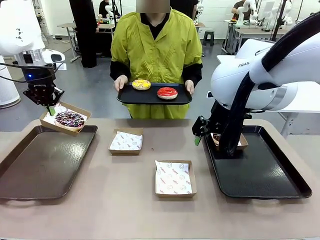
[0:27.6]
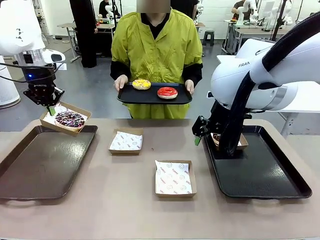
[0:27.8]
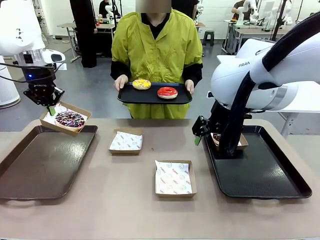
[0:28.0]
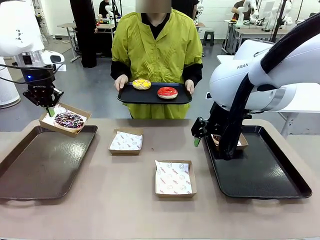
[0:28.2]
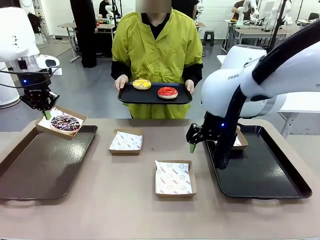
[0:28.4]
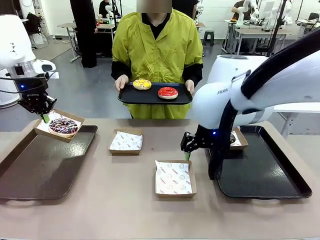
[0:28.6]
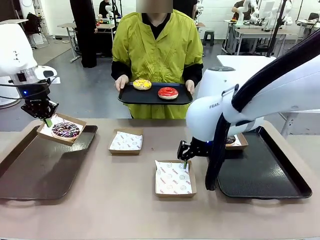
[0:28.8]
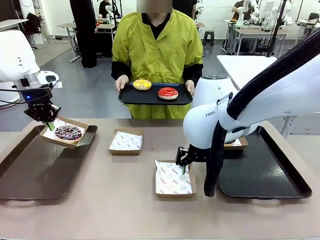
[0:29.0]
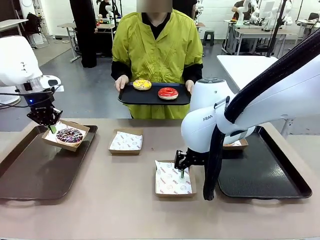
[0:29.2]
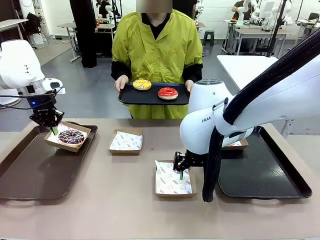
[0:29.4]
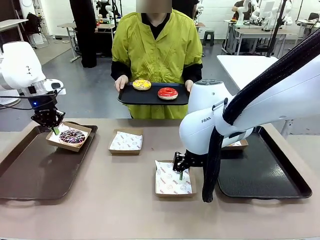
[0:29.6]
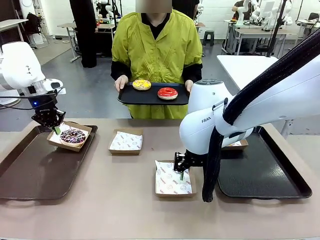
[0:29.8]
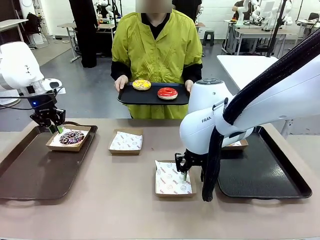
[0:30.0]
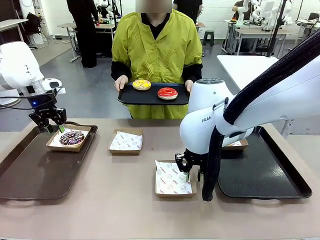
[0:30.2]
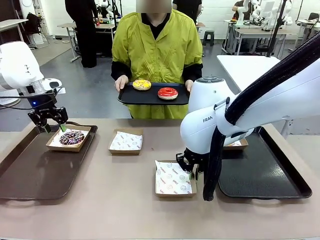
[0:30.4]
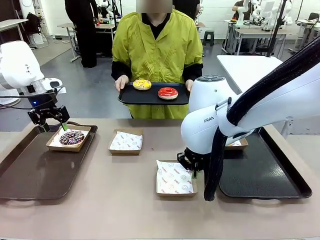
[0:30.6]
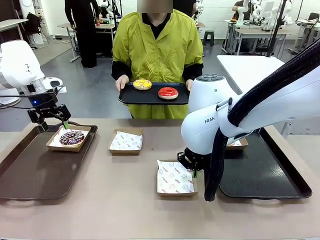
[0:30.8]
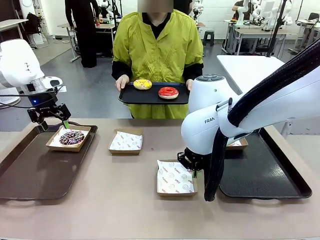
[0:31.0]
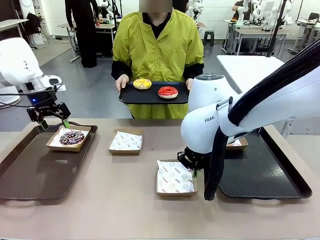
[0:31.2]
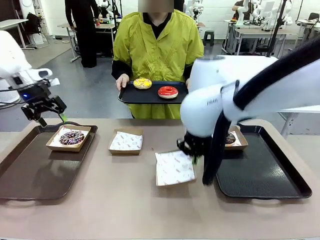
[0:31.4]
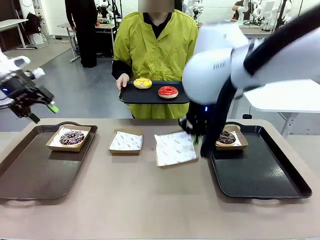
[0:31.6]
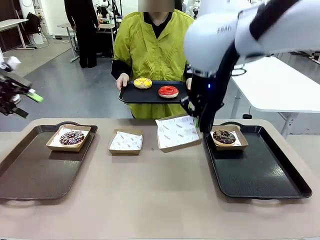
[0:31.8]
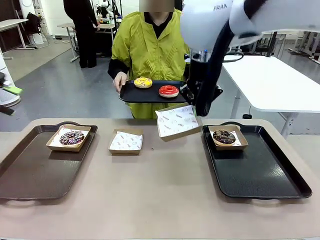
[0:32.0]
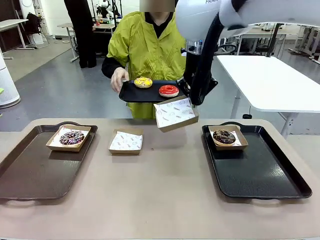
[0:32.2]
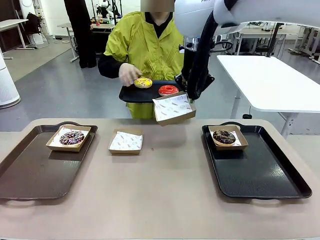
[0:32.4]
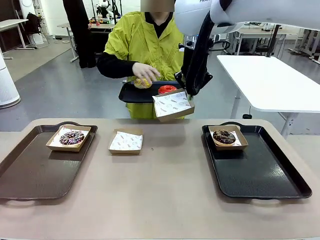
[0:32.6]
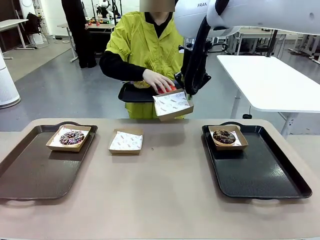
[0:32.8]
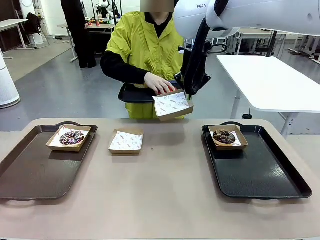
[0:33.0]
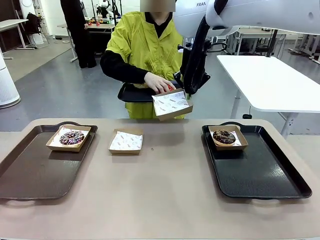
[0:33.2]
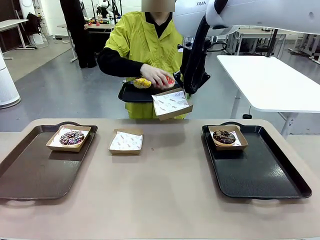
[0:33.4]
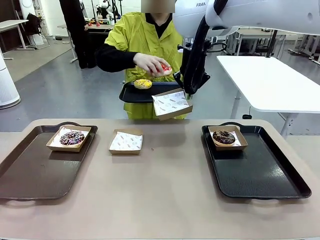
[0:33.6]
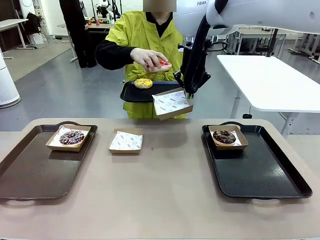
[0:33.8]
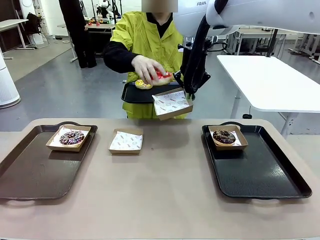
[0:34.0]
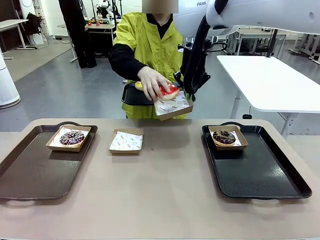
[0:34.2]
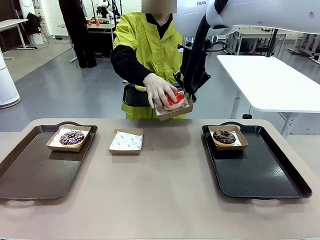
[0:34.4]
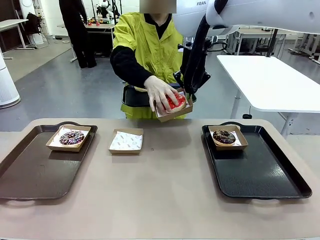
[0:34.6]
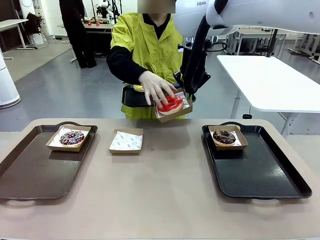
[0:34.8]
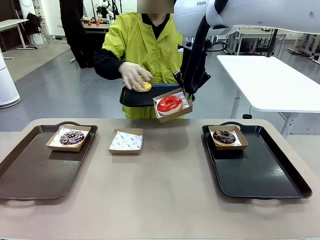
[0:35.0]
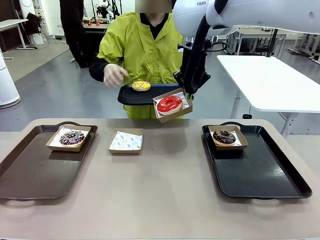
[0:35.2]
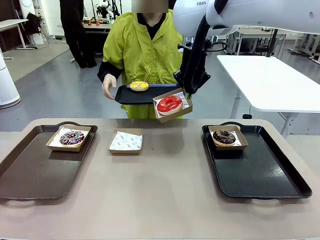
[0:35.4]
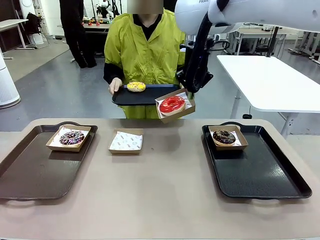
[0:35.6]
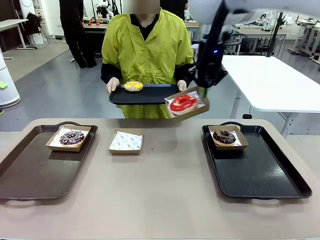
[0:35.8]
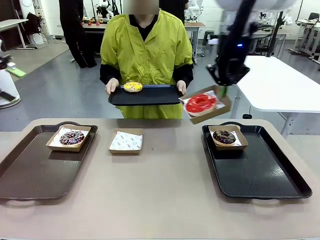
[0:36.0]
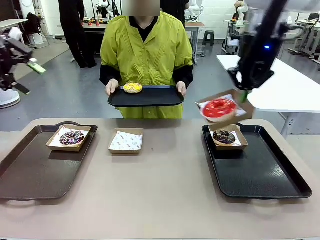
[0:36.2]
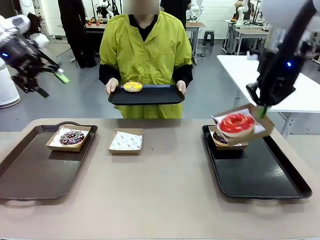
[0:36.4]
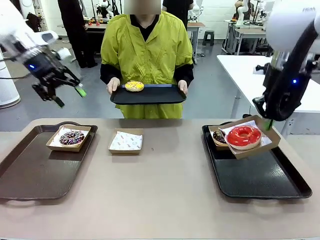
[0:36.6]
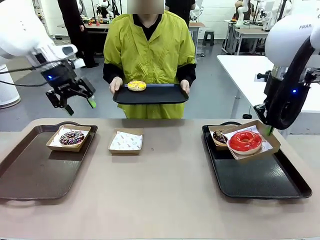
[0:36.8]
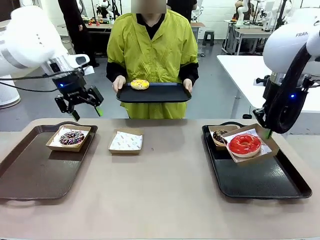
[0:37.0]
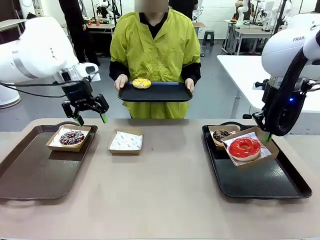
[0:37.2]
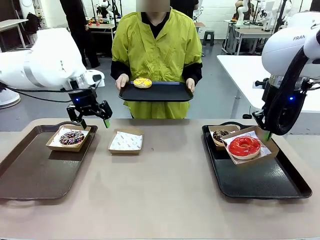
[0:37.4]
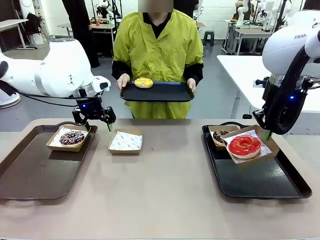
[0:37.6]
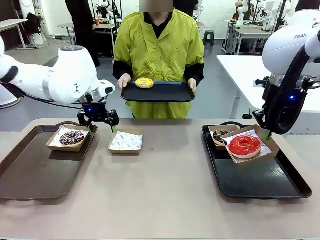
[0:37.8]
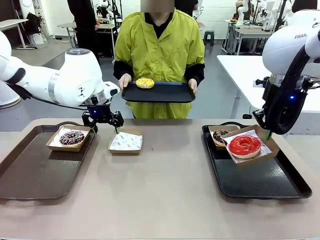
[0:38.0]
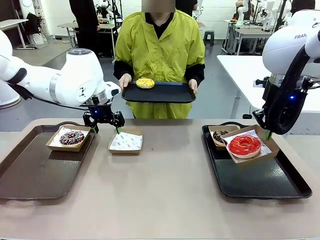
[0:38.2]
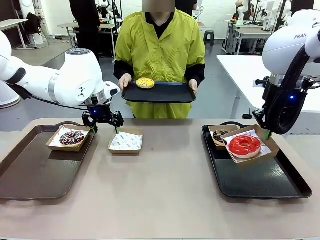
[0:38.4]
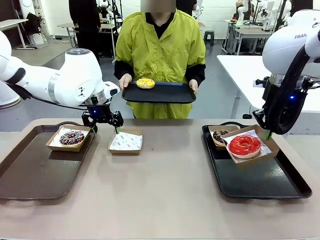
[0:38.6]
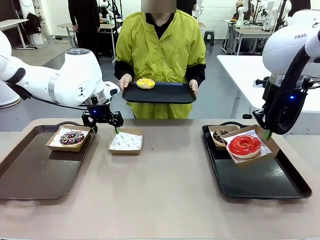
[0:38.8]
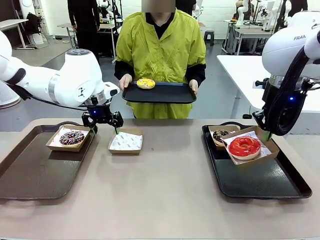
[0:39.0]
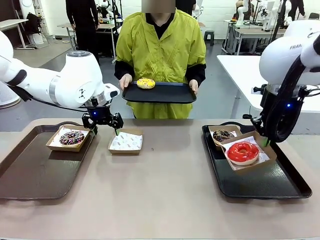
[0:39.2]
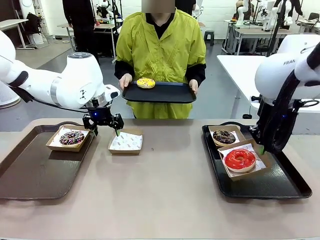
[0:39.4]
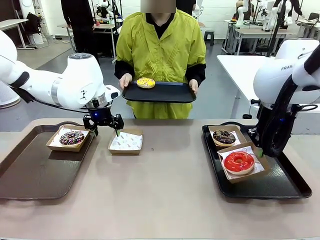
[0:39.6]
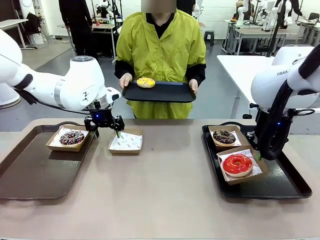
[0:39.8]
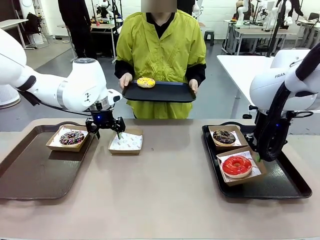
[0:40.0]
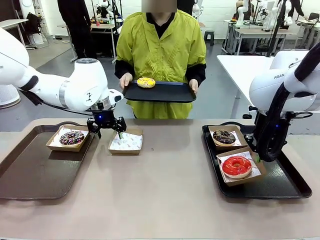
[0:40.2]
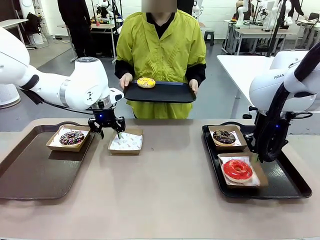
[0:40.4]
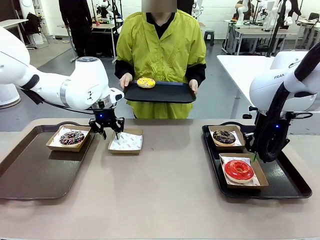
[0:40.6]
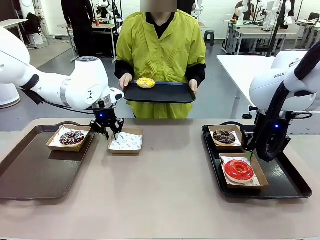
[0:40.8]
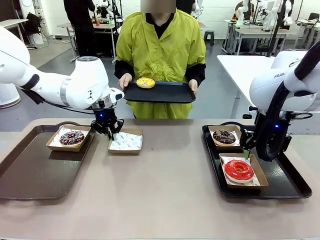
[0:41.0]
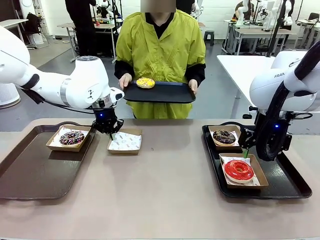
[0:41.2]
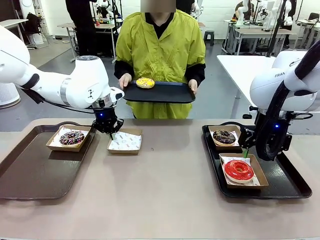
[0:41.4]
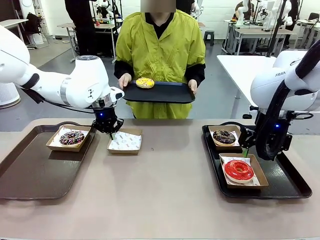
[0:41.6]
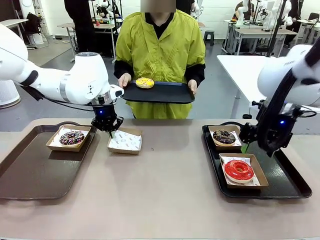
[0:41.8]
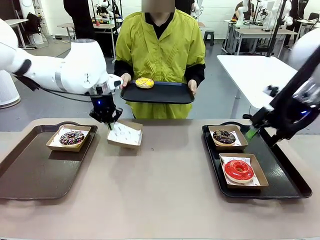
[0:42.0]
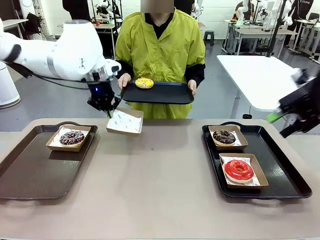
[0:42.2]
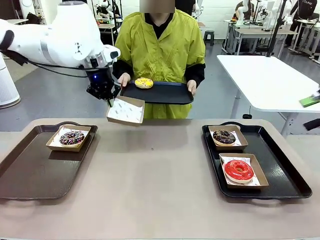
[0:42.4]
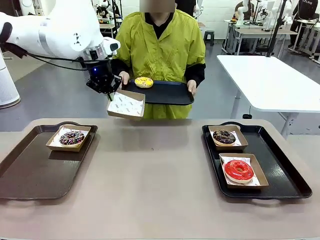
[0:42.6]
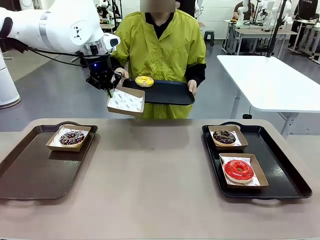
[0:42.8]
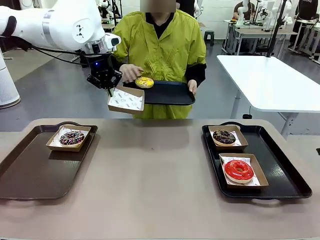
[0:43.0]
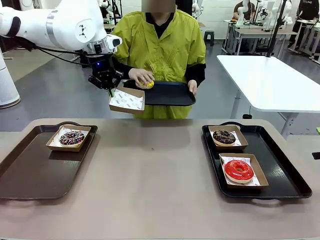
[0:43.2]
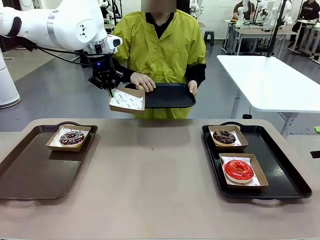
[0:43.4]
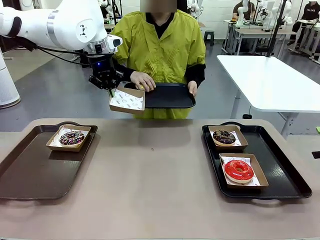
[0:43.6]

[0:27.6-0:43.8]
Task: Individually package the donuts and arrange them on the tray.
Robot: Place the picked Paper togo box on the Handle tray while simultaneously picking up another Paper togo box from the table with the other hand.

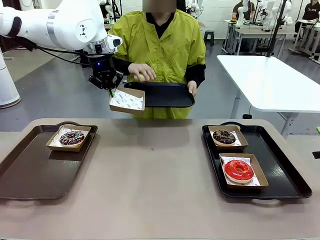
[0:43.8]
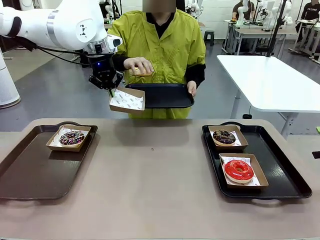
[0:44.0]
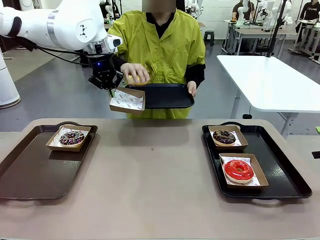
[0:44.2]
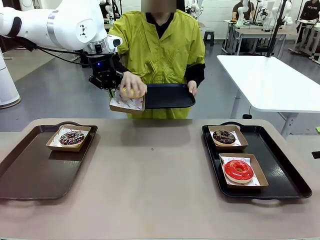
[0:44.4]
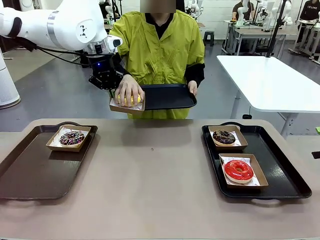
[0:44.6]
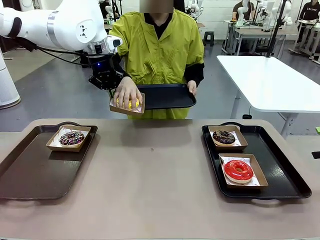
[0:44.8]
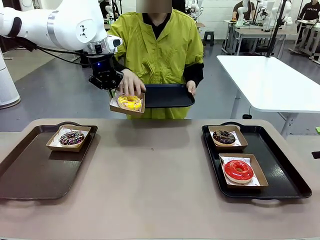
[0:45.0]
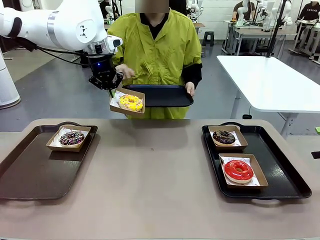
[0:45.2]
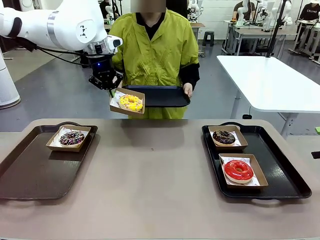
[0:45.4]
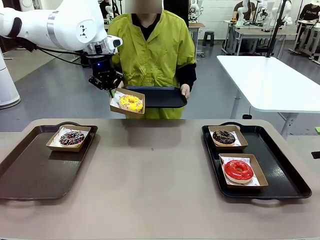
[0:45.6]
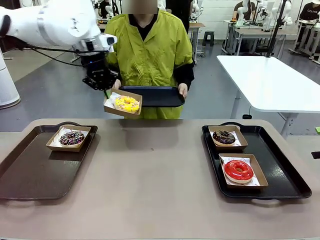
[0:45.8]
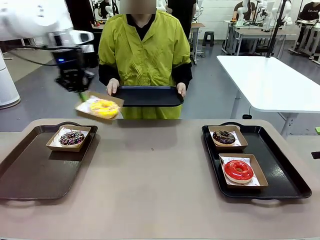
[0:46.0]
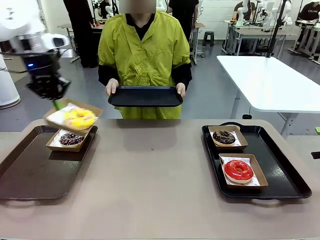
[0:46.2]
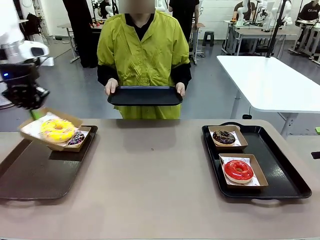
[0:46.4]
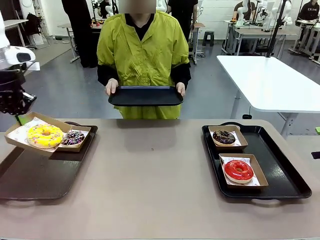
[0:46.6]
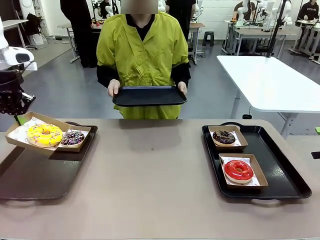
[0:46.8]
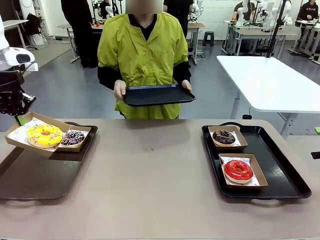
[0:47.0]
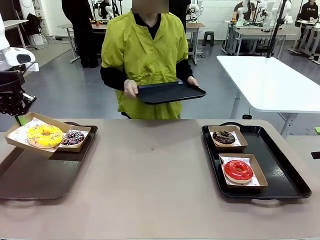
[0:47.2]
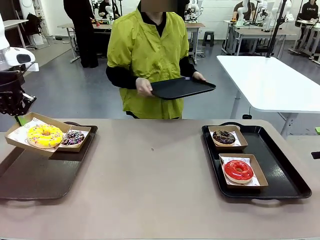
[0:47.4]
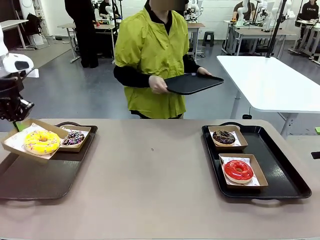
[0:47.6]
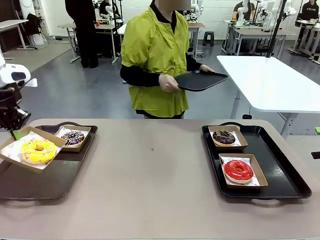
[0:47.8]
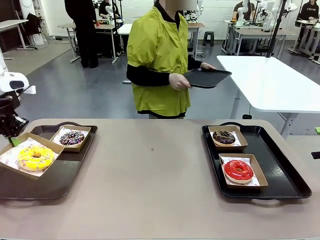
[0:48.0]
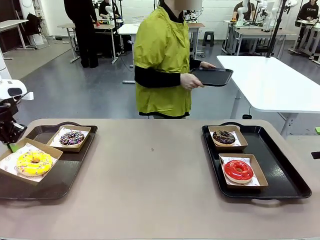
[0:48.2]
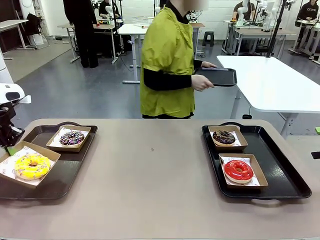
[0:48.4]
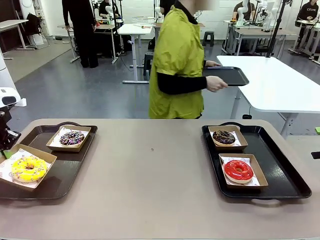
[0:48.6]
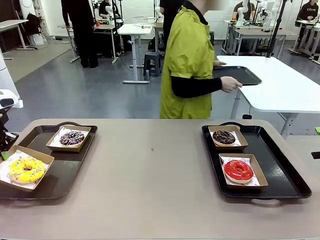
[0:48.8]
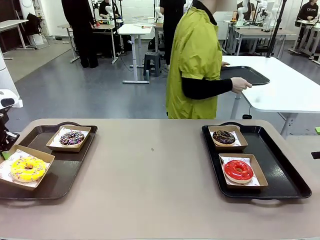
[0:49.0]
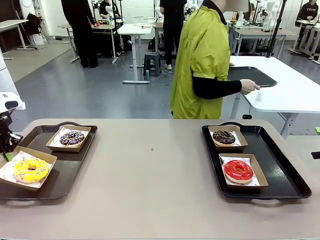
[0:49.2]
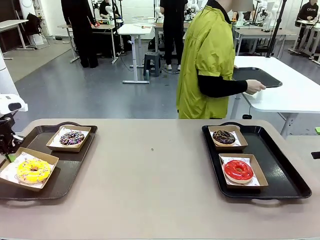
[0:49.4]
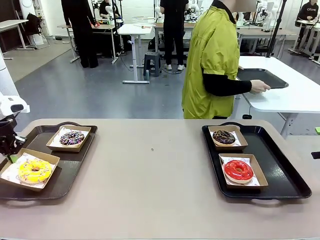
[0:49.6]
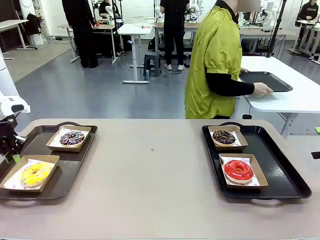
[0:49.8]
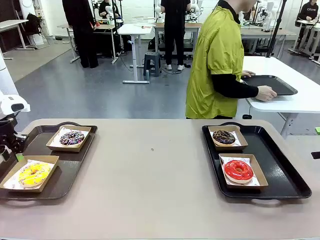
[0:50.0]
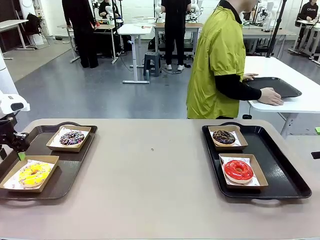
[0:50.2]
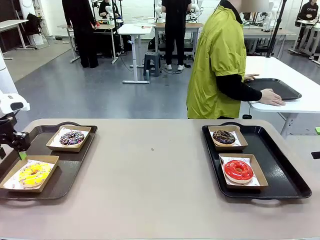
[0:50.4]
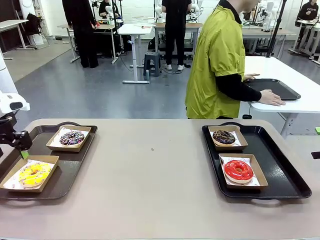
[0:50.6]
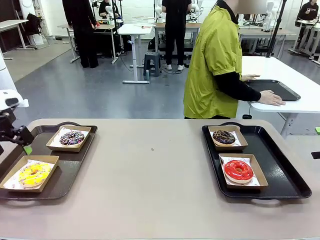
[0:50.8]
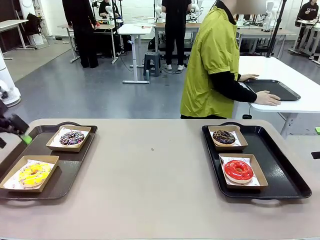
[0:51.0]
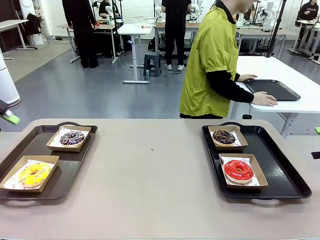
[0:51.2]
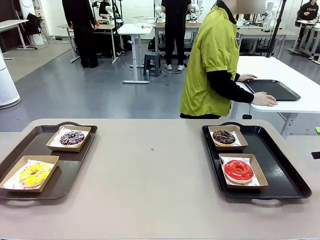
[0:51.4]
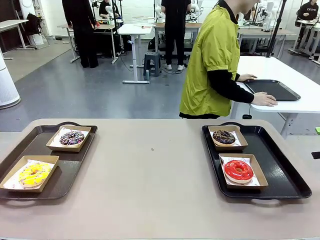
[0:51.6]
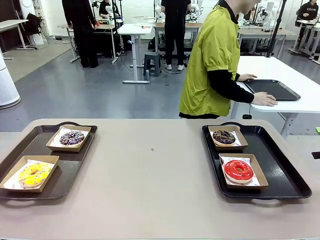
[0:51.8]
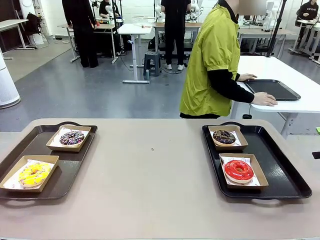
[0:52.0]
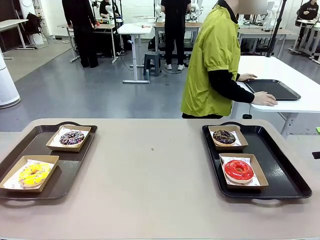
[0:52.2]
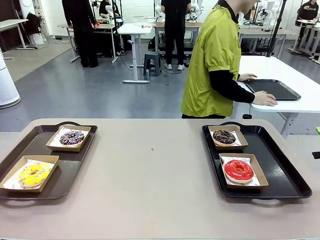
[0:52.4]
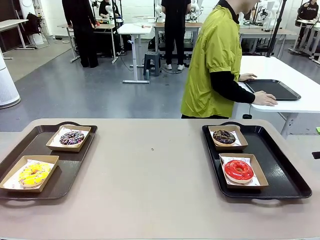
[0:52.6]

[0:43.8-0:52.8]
Robot: Place the picked Paper togo box on the Handle tray.
Person: Place the tray down in the middle of the human table.
